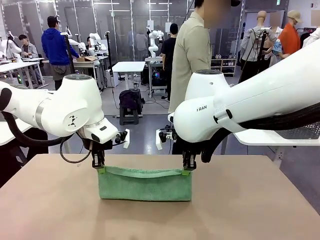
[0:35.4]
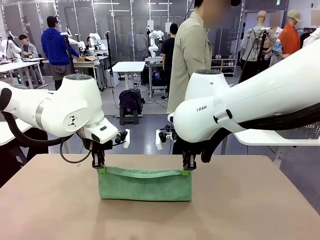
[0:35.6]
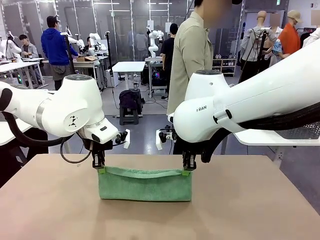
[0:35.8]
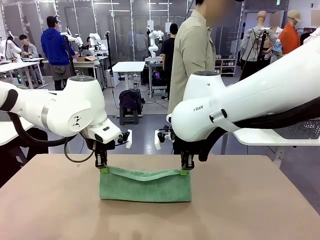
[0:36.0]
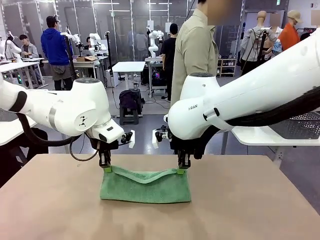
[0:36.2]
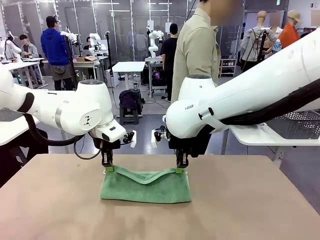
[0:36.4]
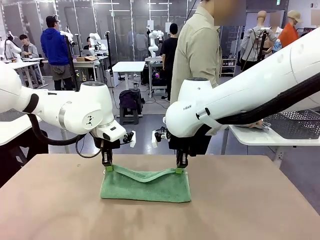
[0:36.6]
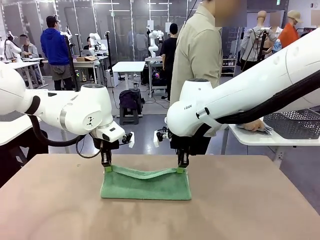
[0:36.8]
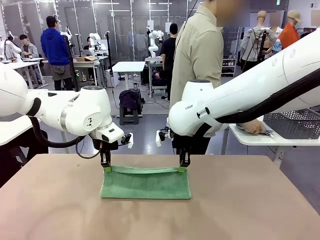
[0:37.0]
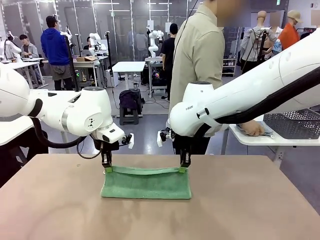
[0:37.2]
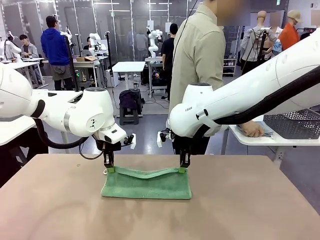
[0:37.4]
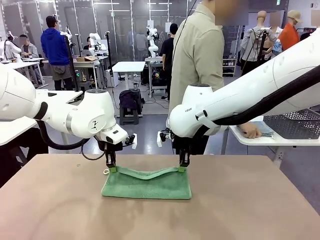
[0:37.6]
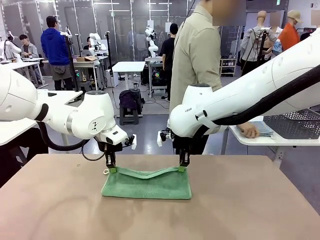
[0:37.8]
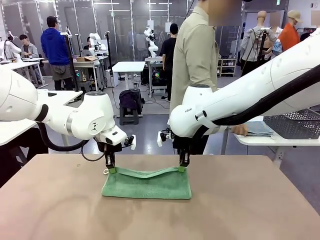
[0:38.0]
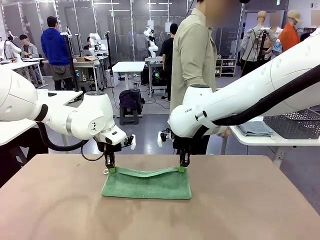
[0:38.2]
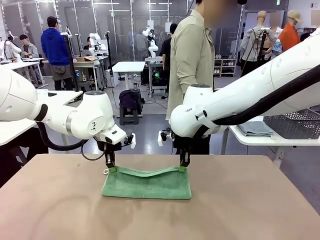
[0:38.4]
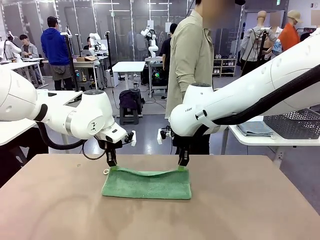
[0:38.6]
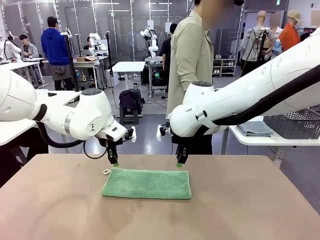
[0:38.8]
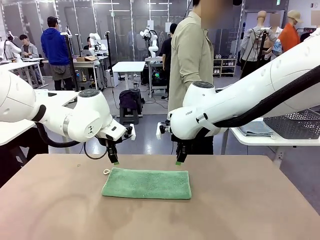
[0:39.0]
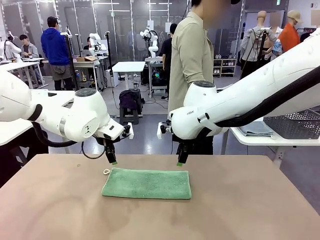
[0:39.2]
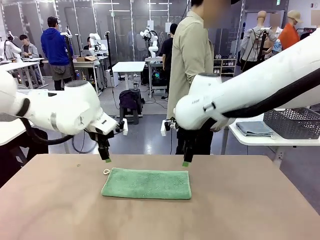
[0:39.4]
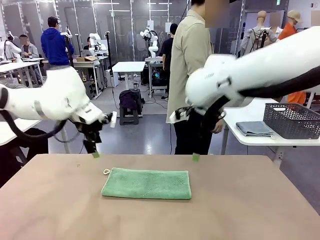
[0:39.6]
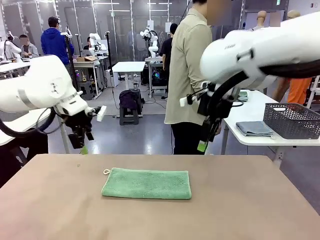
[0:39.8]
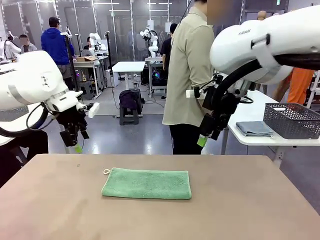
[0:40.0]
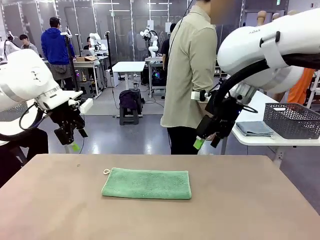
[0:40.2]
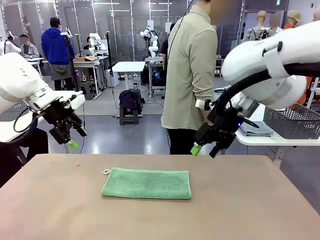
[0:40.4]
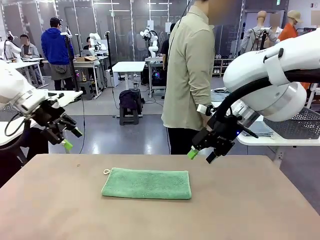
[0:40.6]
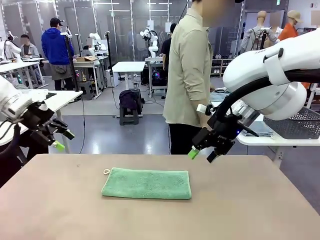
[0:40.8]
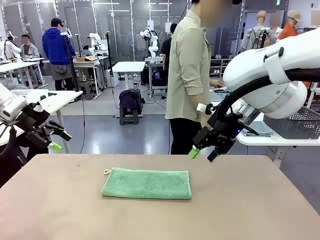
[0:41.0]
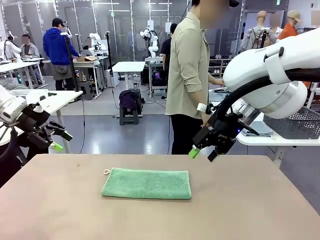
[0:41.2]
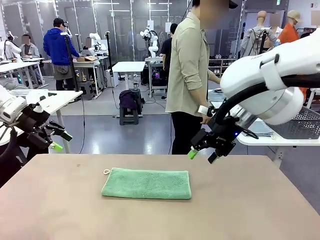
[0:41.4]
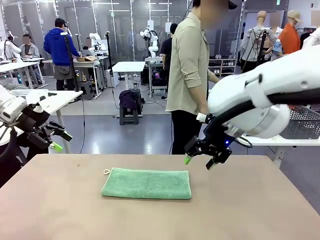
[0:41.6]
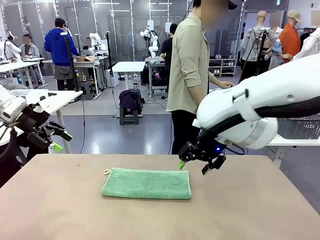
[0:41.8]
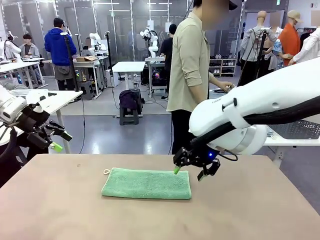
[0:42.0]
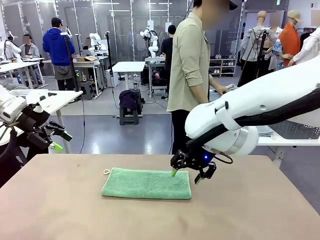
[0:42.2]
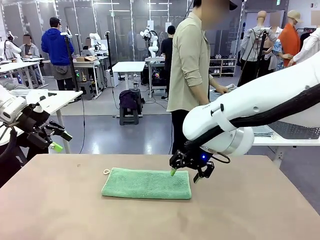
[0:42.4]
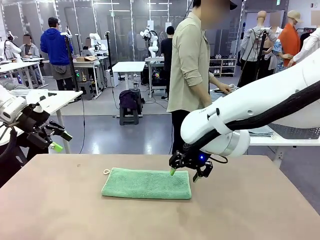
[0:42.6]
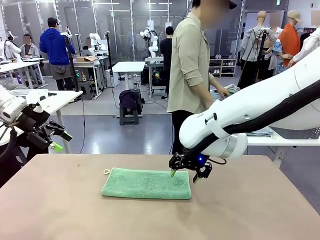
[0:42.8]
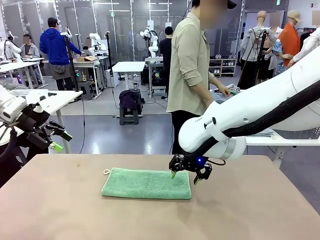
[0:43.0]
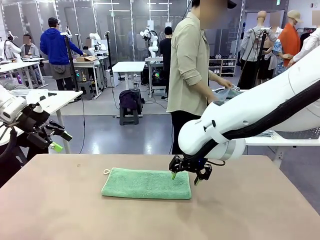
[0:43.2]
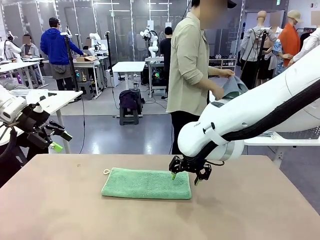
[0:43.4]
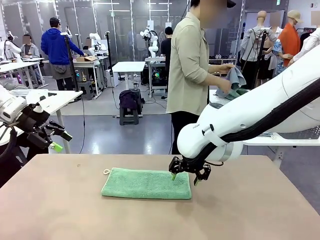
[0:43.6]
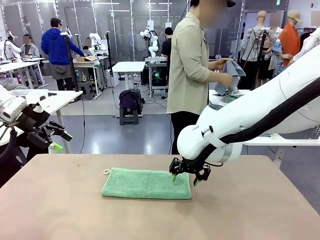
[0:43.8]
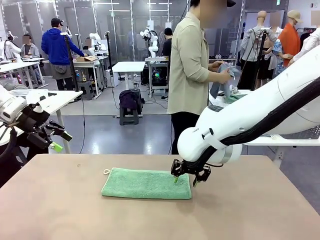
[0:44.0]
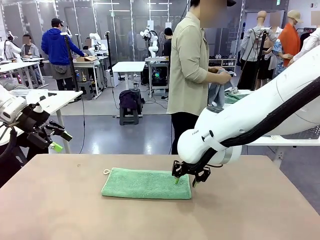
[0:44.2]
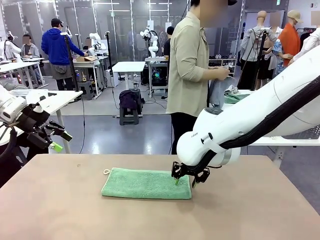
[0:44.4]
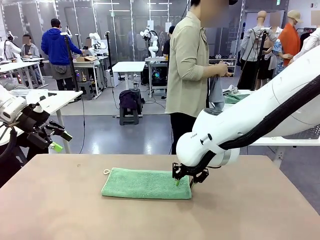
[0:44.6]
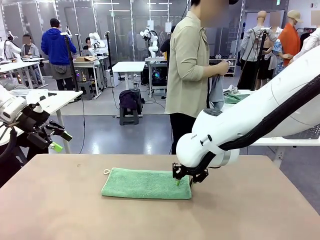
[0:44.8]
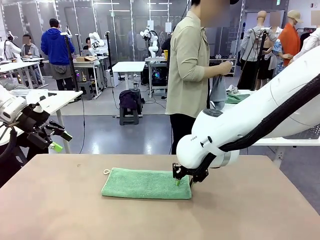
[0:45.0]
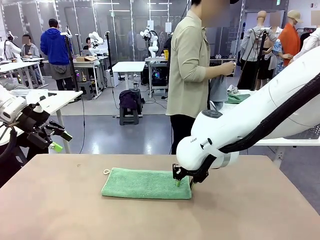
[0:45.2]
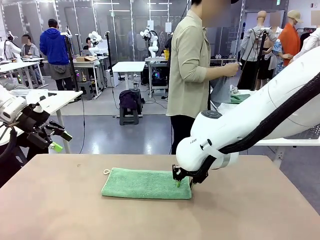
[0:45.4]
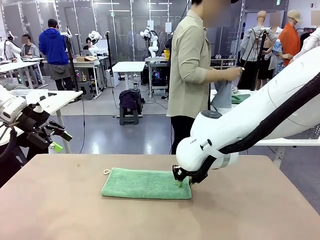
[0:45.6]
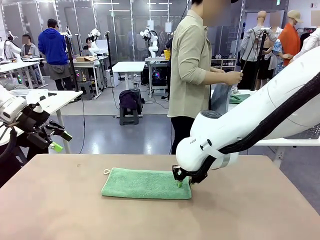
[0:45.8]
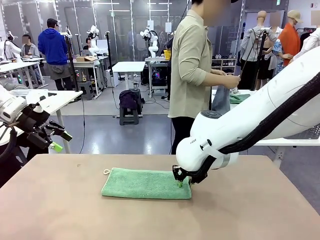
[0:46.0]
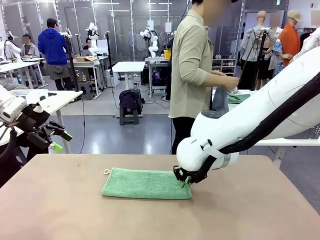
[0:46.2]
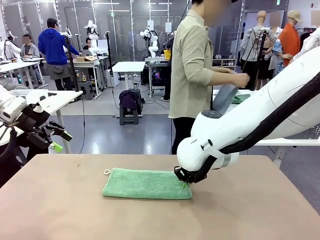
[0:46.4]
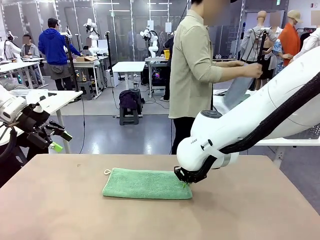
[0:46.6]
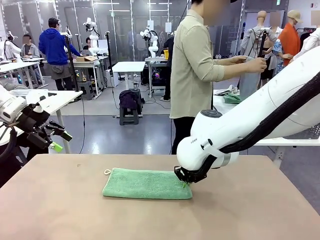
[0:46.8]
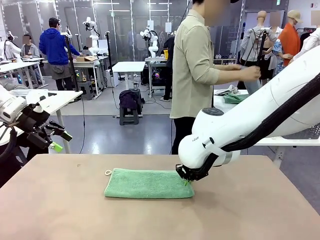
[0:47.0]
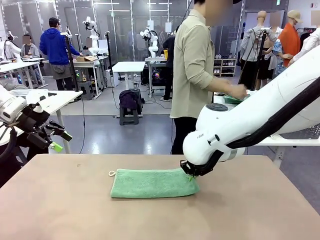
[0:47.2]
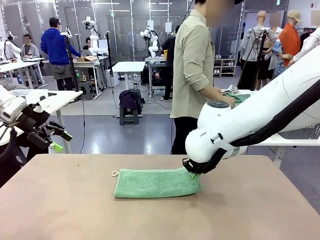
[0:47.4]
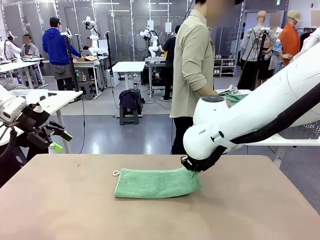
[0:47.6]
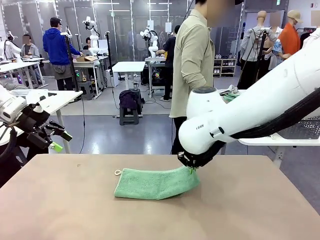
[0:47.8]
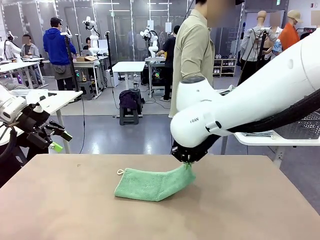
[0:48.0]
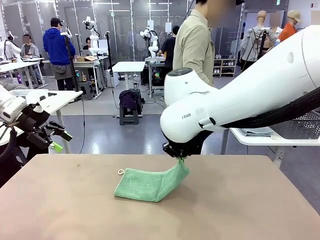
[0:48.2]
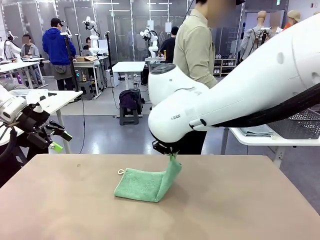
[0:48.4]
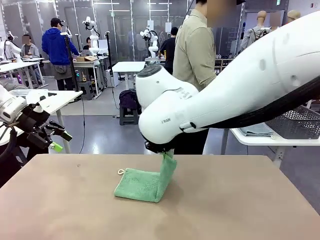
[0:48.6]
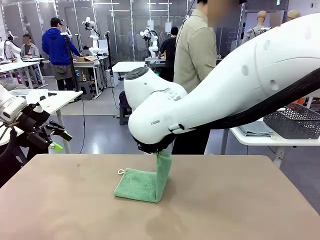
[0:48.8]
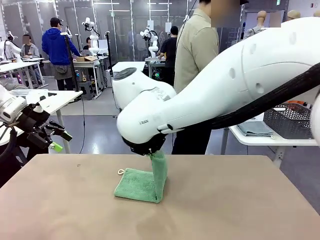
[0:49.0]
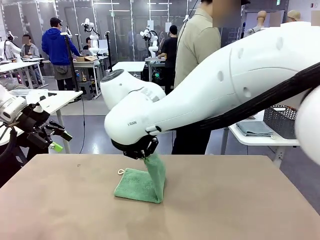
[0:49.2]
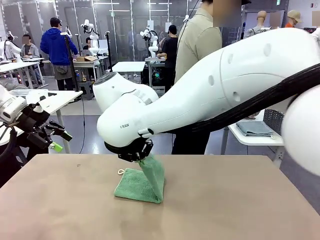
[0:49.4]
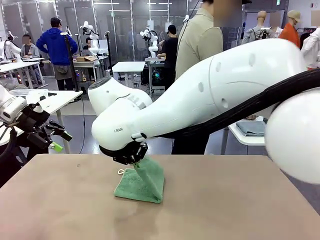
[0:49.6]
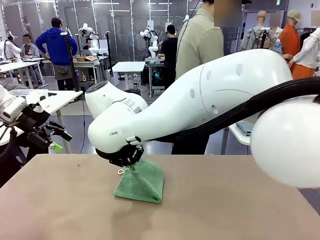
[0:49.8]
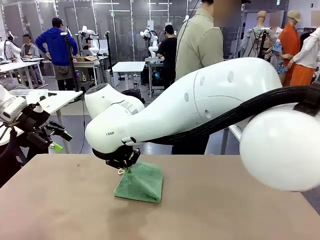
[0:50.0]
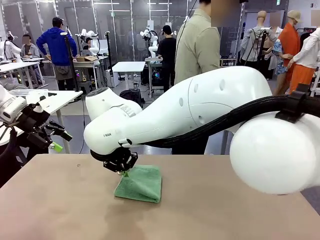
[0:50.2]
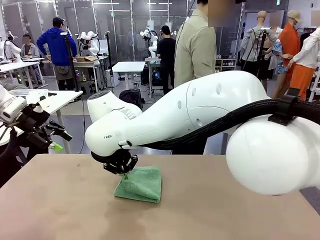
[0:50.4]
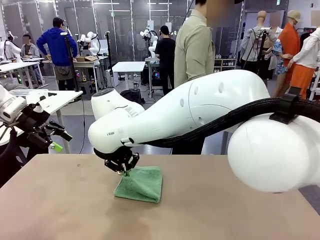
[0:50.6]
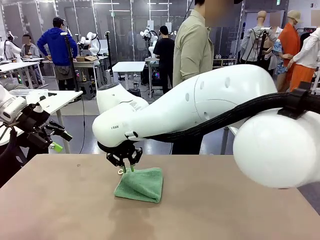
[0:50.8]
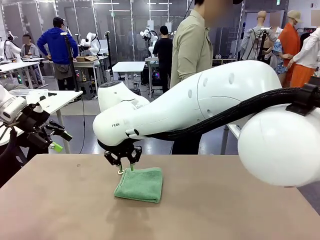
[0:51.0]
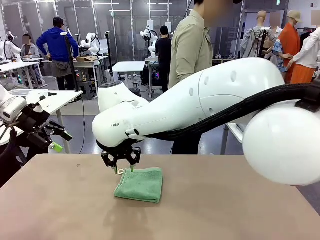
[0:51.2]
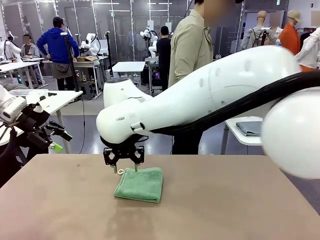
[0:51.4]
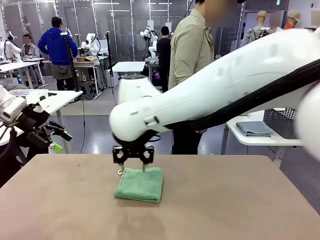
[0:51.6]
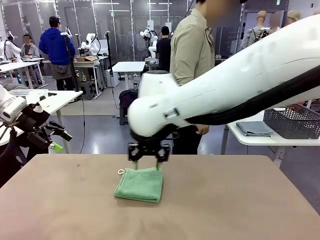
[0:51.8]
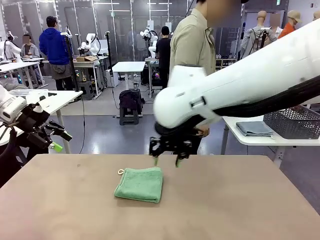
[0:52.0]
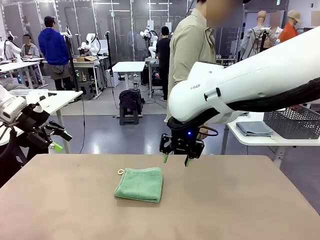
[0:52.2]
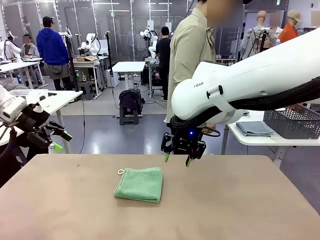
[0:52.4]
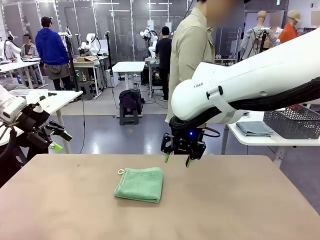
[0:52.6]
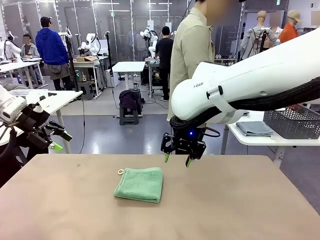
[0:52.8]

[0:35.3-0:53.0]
Task: Fold the towels and place them in the basket.
Robot: When a person lays out a Towel with hook on the table, fold it in half twice.
Person: Pick up one towel from the left side of the human table, fold it in half twice, and stack it on the right side of the table.
